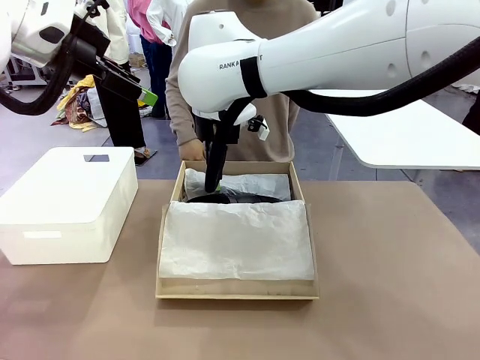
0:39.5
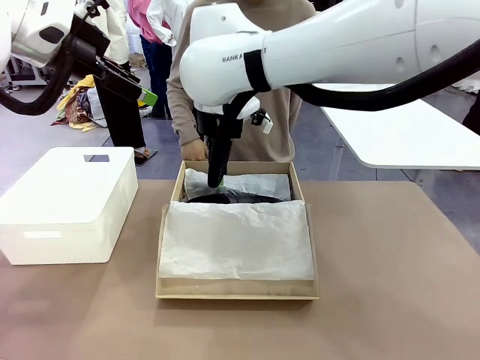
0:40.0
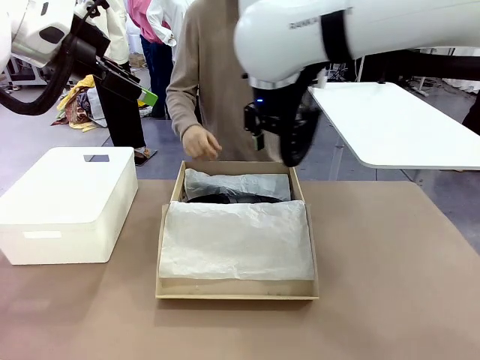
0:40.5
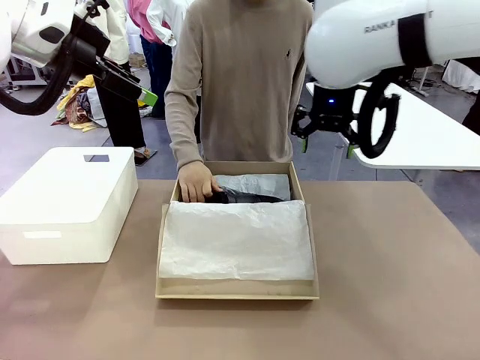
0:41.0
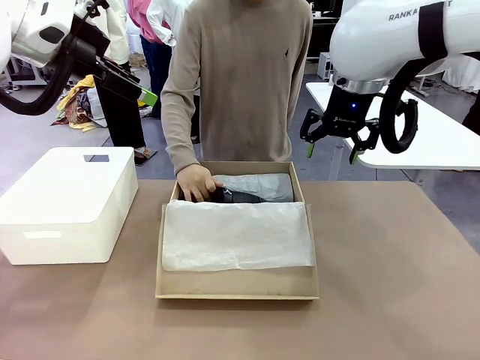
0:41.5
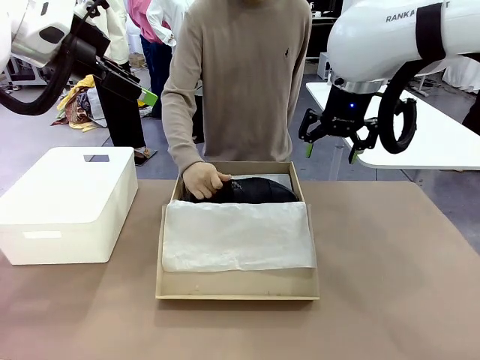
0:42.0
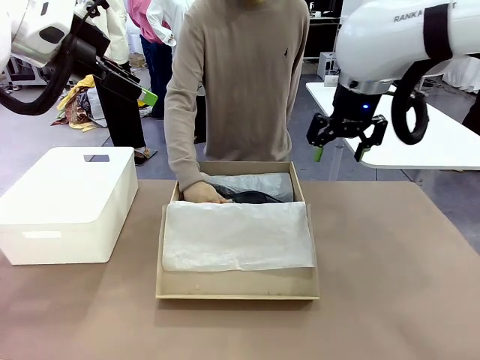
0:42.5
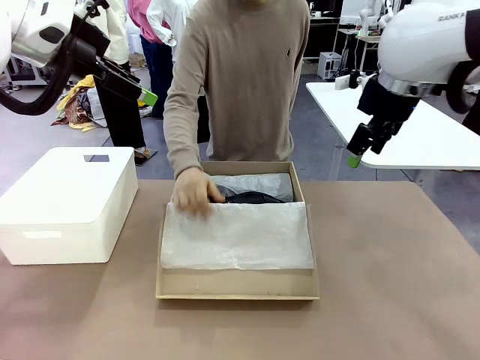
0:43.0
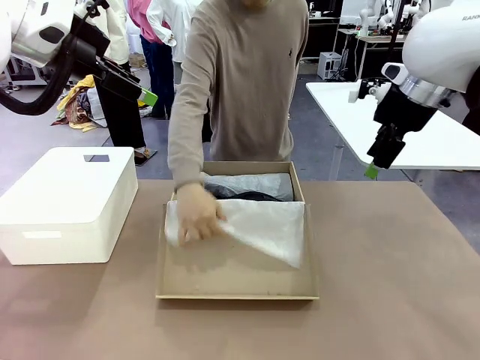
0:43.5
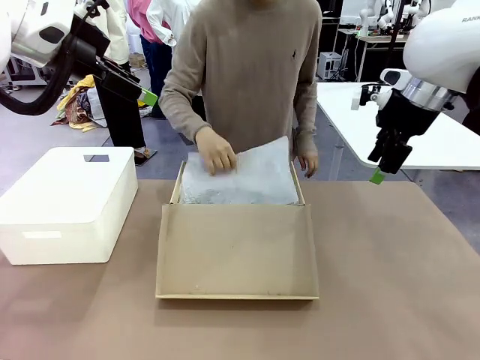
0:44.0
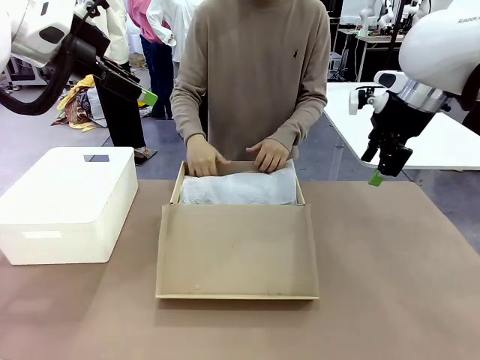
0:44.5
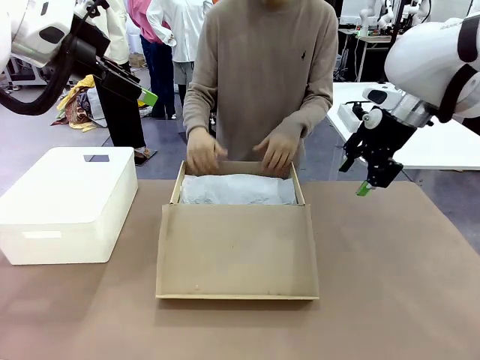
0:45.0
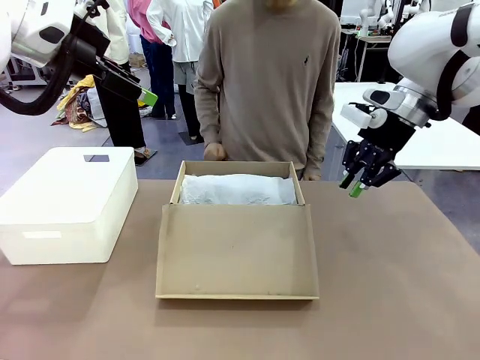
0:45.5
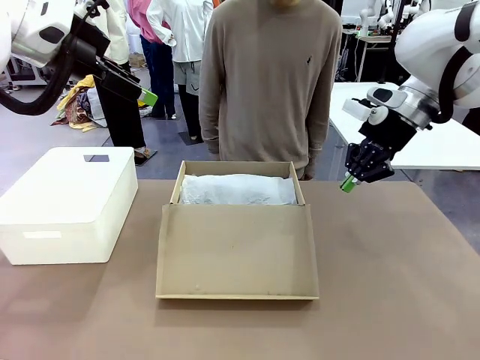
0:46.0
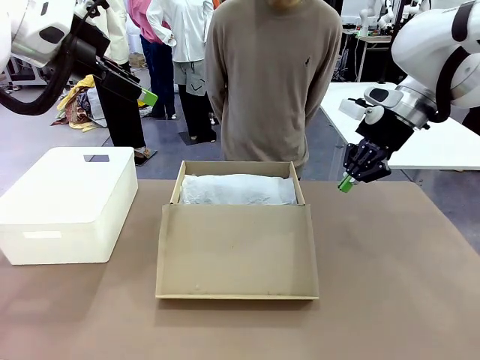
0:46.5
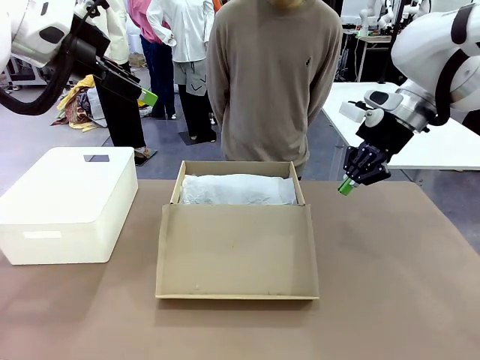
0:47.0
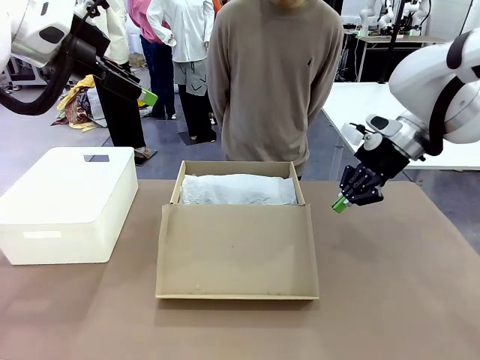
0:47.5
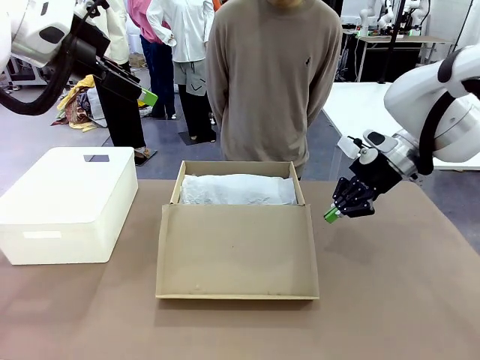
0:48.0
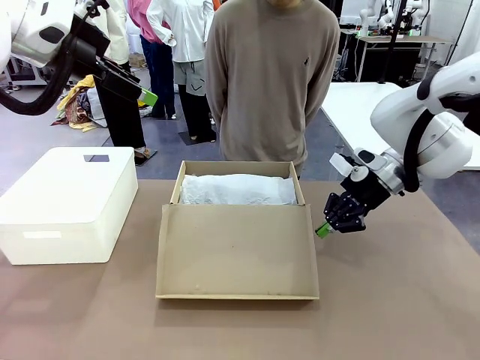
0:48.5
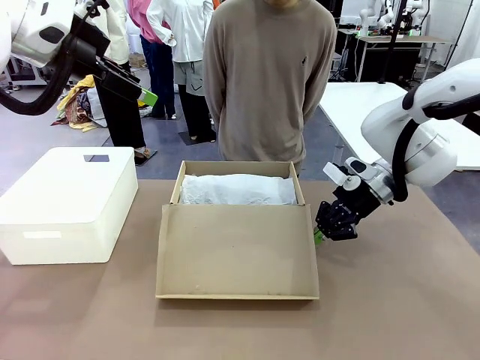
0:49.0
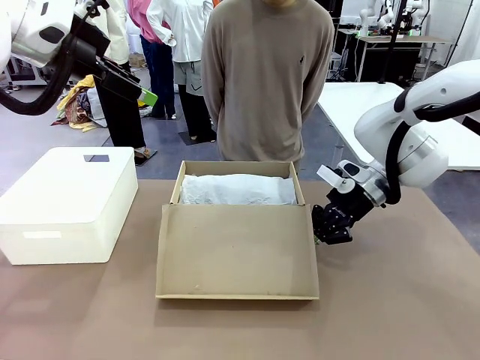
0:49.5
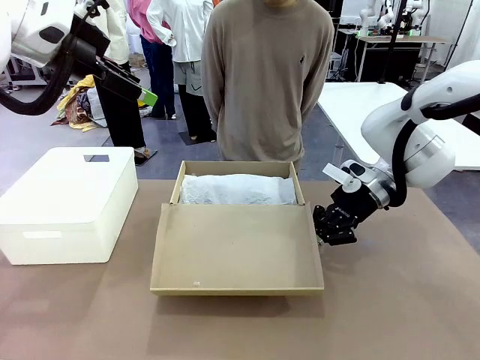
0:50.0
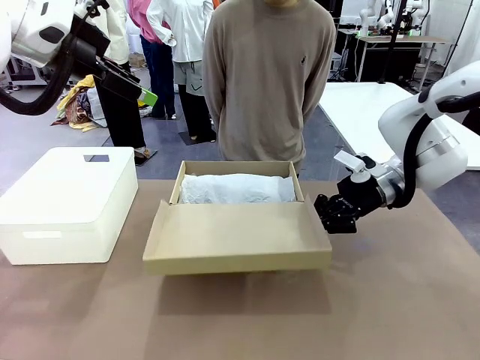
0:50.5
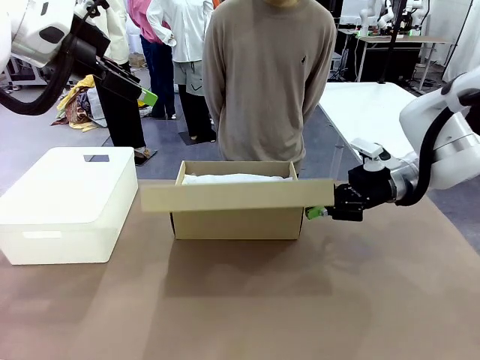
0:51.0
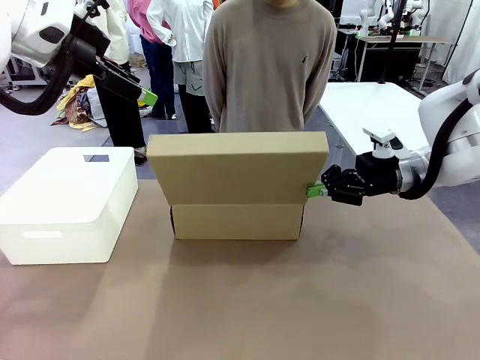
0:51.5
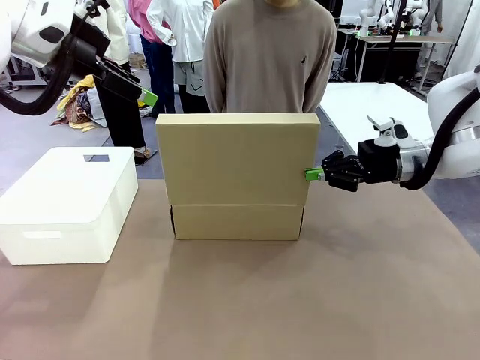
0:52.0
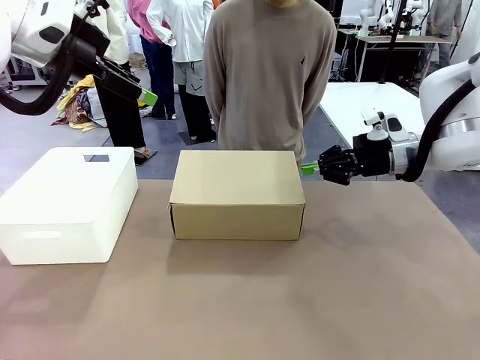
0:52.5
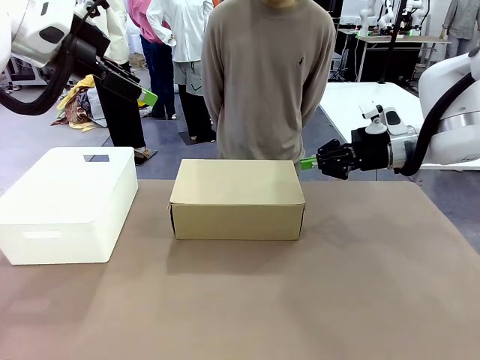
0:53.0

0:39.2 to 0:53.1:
Task: Pack the shoes into the box.
Robot: Close the Shoes Box.

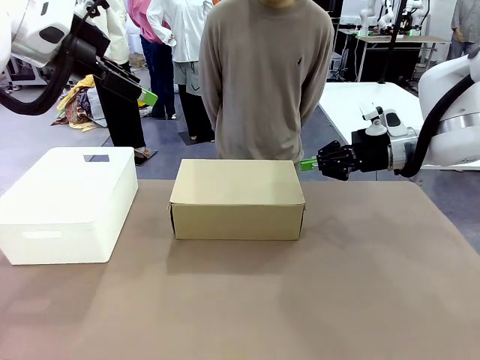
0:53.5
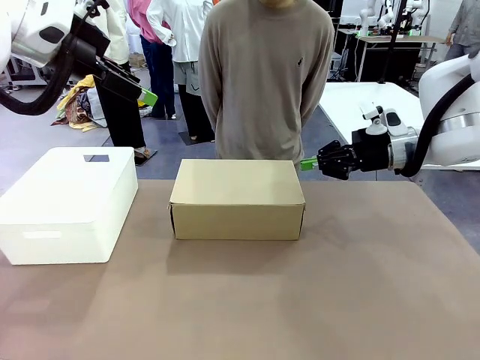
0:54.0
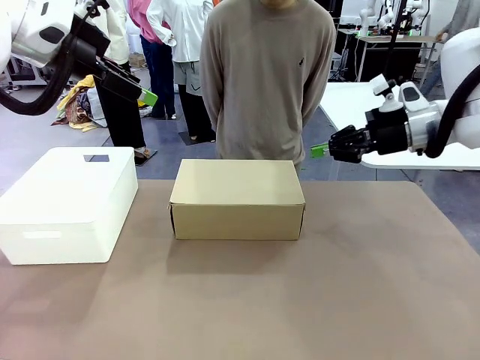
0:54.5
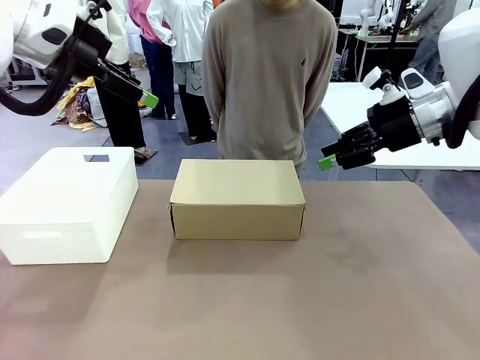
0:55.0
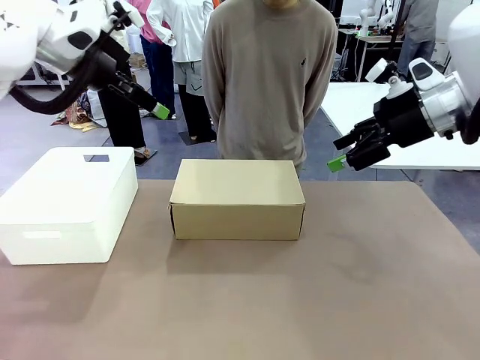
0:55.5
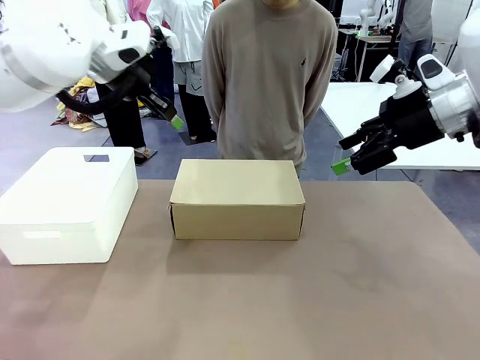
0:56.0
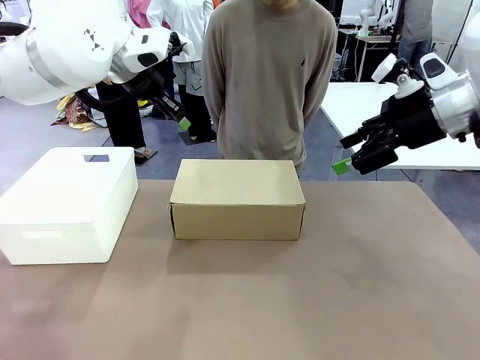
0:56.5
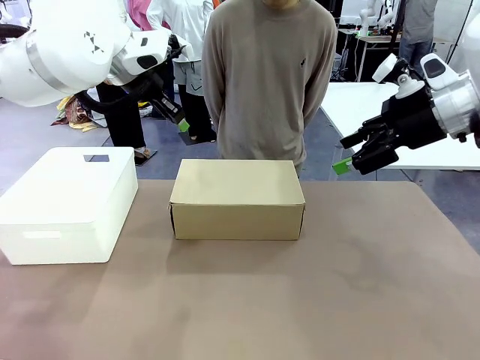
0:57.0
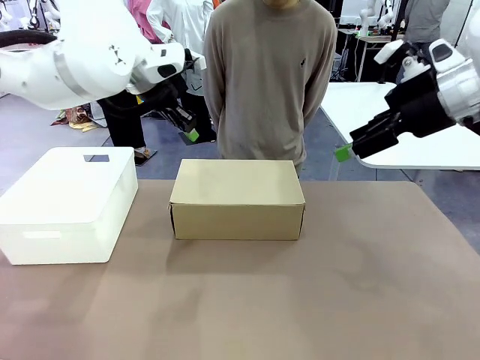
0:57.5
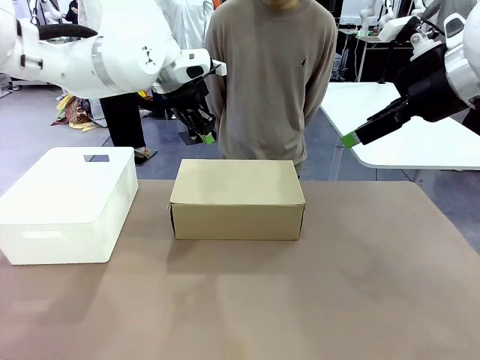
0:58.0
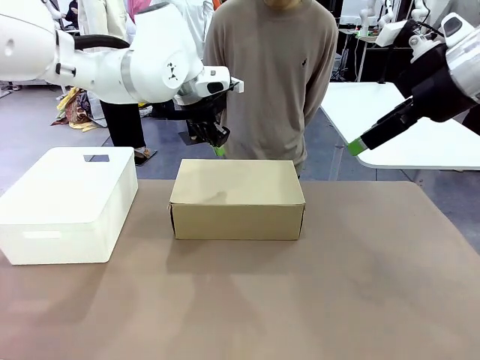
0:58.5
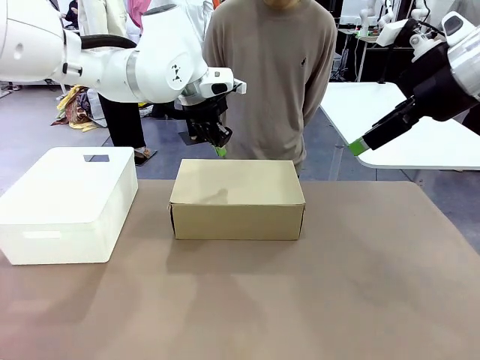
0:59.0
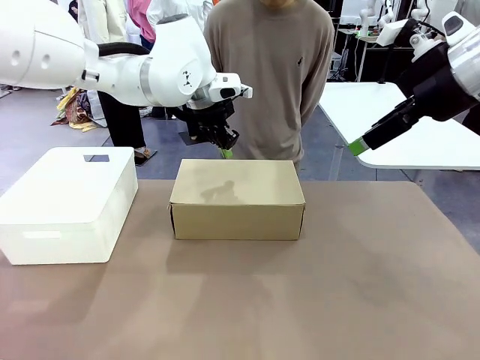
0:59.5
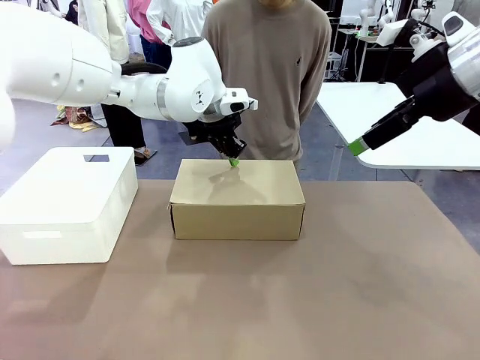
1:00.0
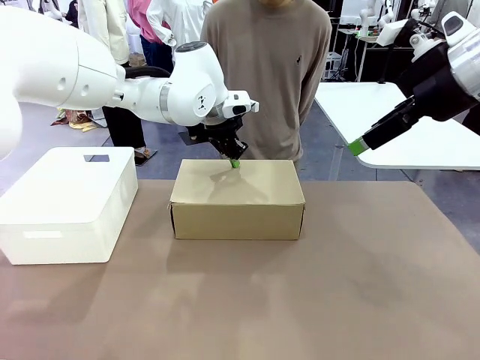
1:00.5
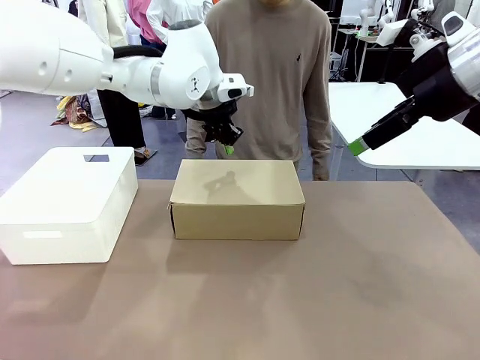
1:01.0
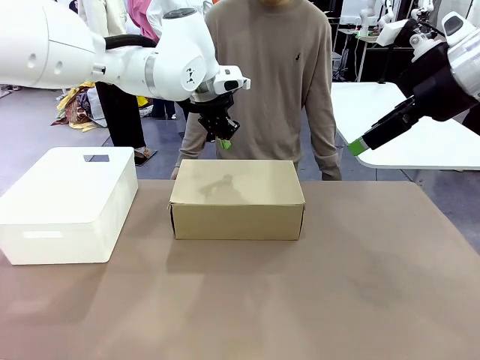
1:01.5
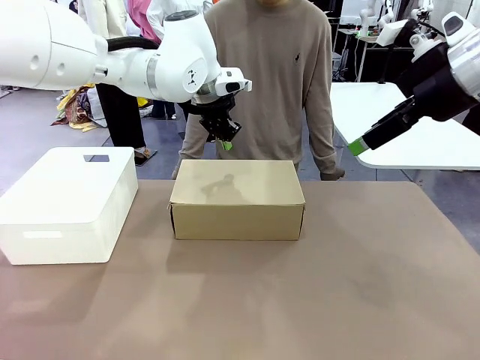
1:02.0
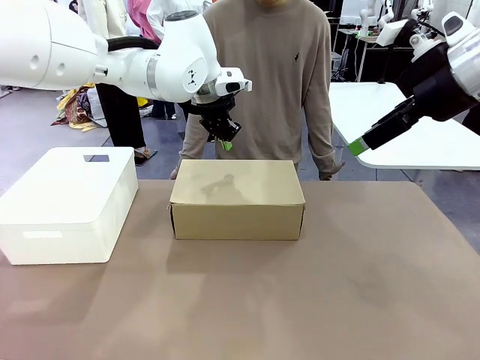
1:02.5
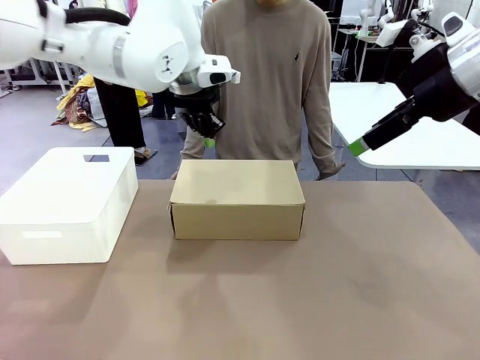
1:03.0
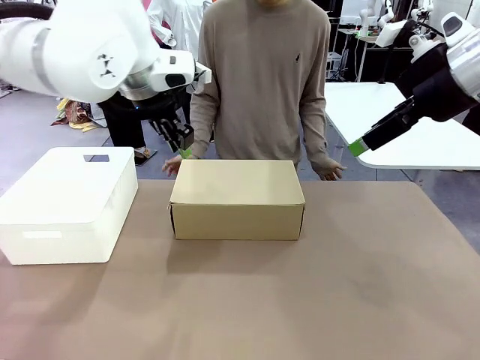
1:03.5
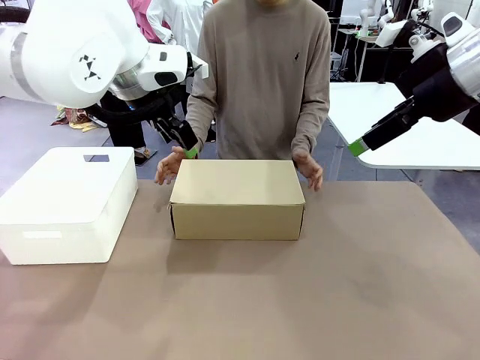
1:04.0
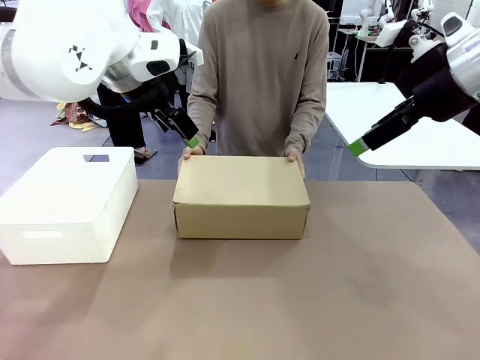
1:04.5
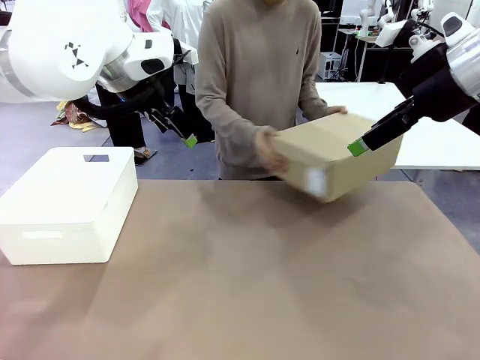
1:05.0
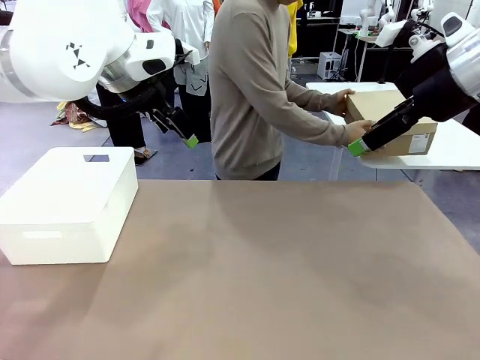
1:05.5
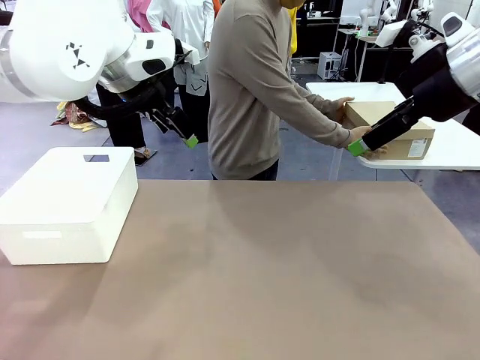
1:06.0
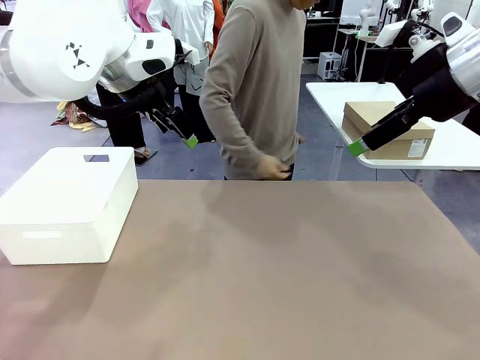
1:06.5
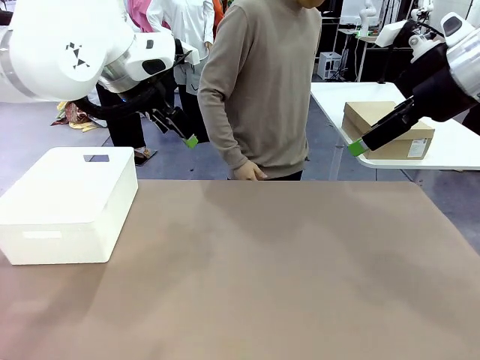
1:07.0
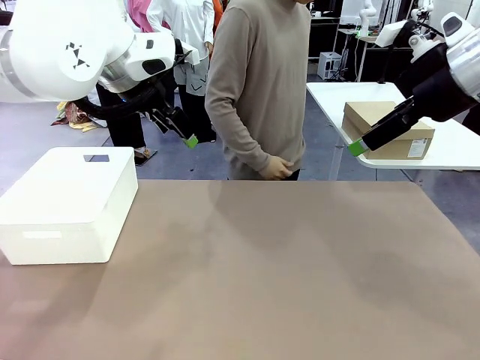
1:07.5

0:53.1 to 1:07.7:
Robot: Press down on the lid of the Shoes Box.
Person: Place the closed Shoes Box to the right side of the human table.
